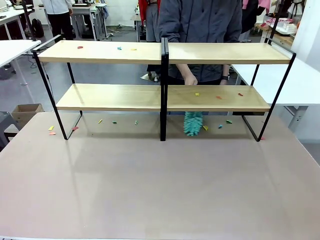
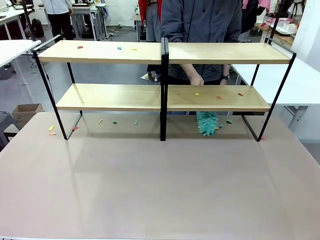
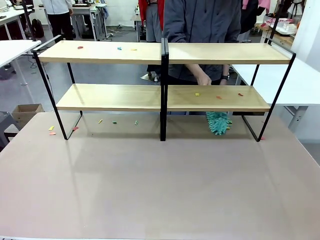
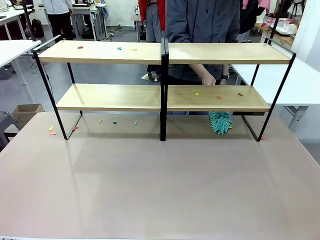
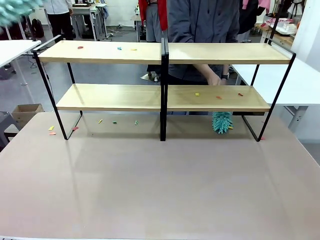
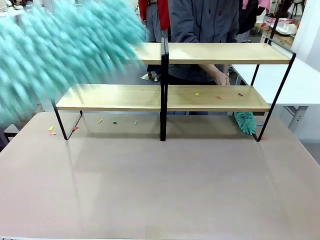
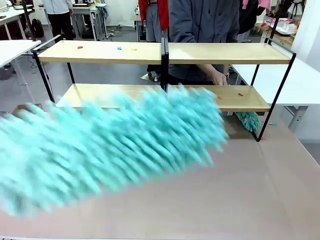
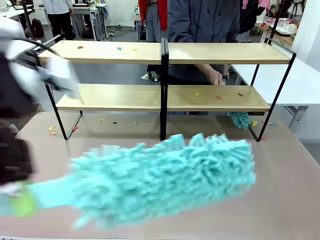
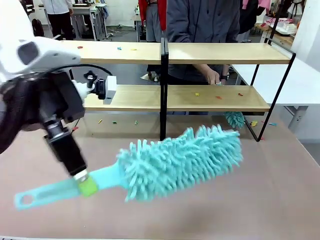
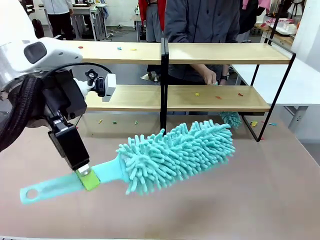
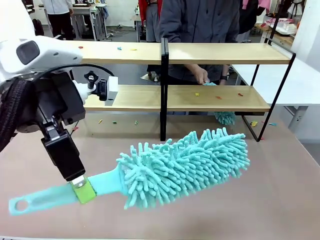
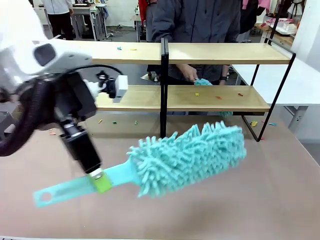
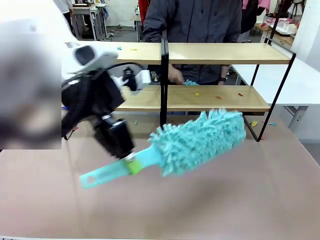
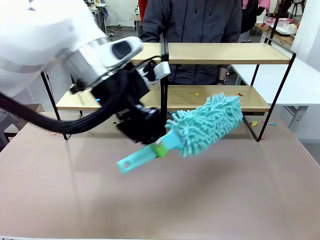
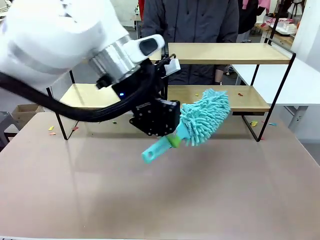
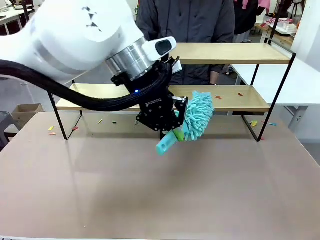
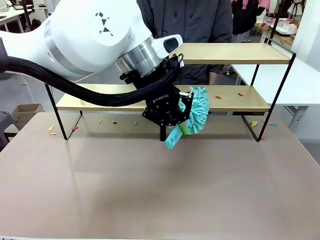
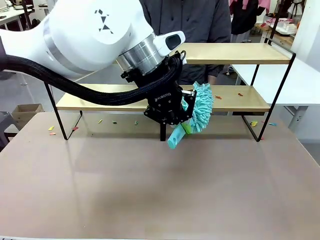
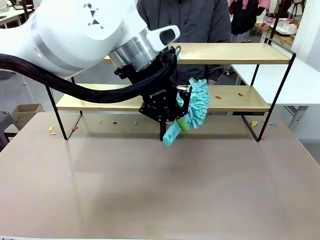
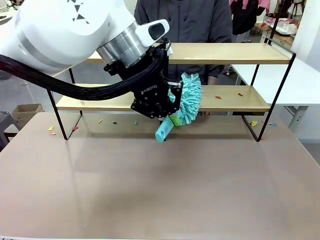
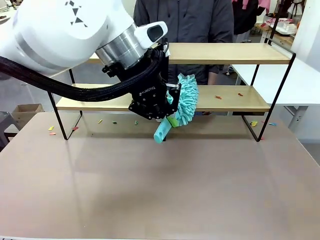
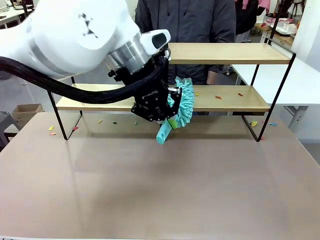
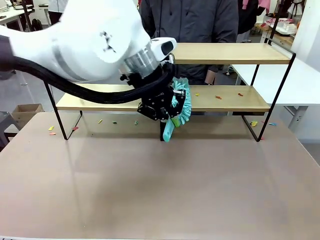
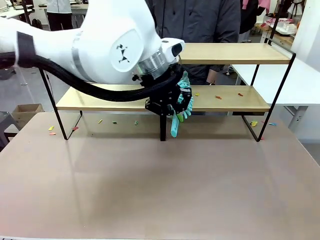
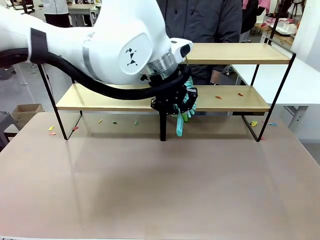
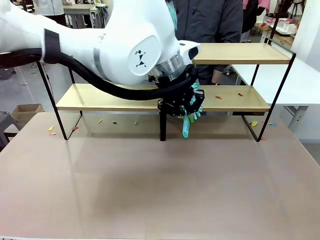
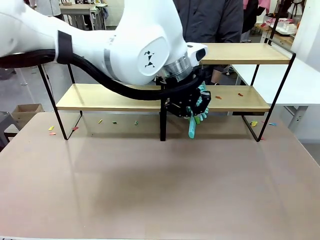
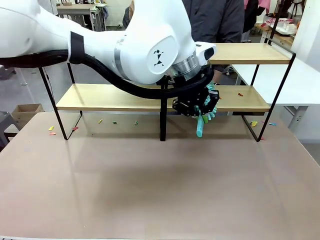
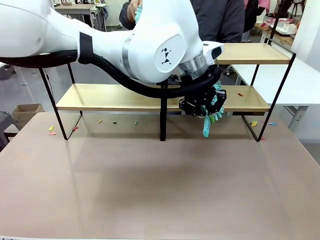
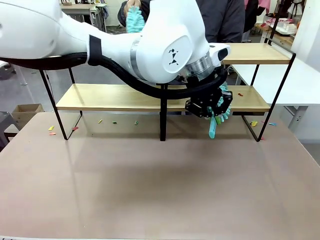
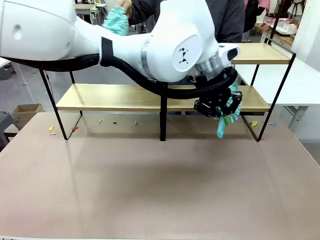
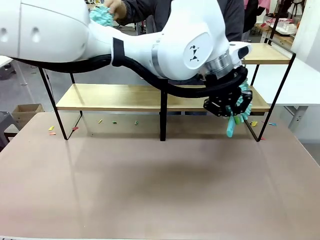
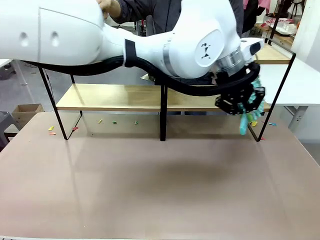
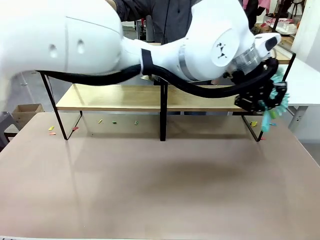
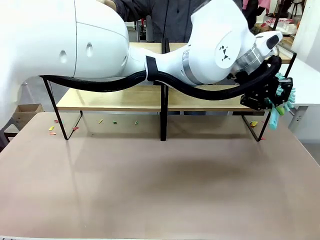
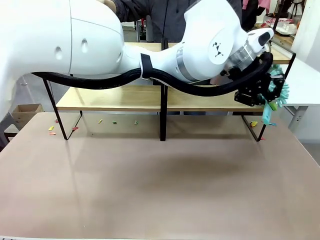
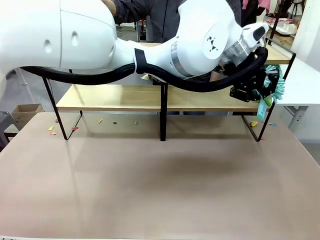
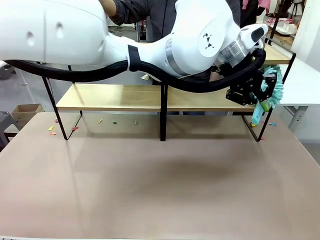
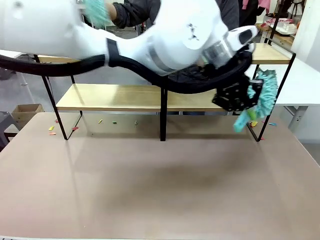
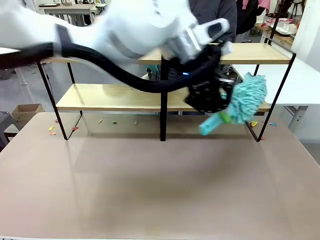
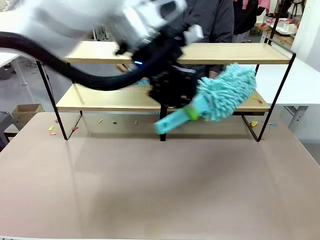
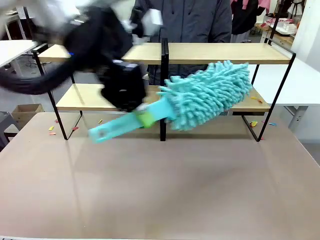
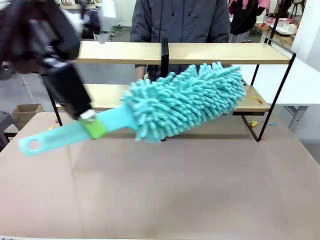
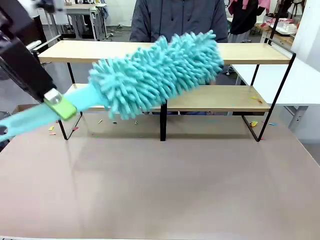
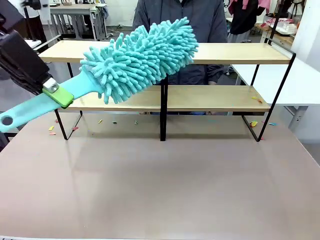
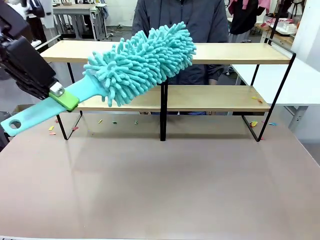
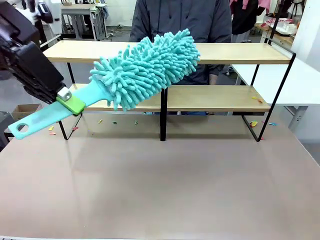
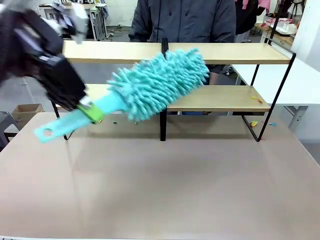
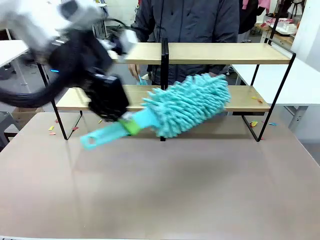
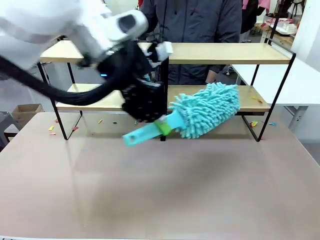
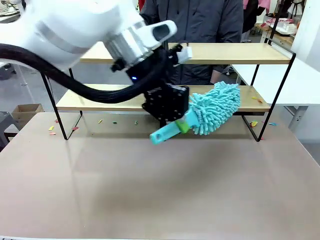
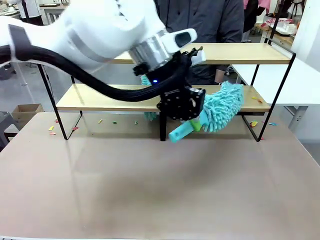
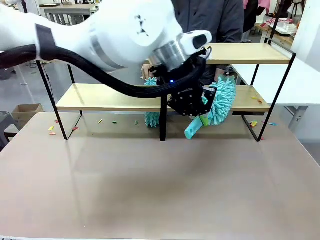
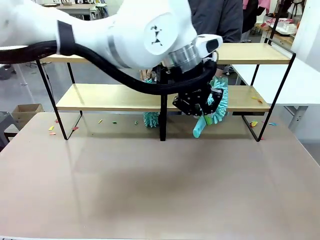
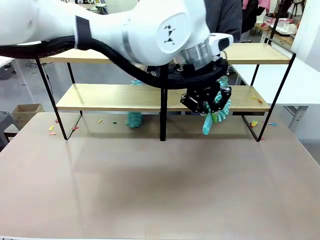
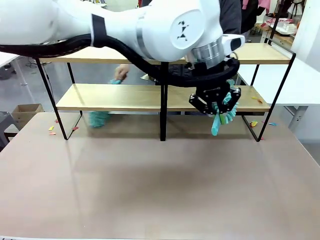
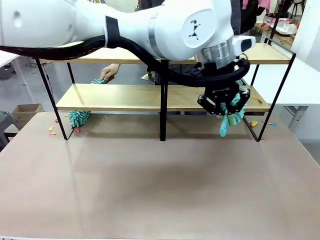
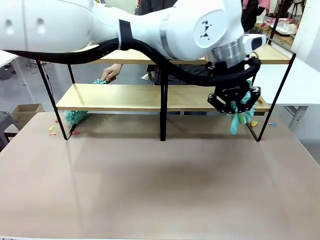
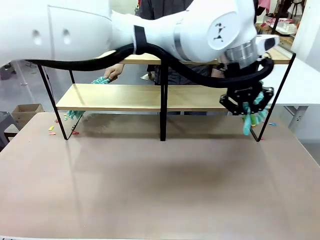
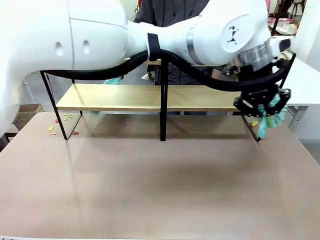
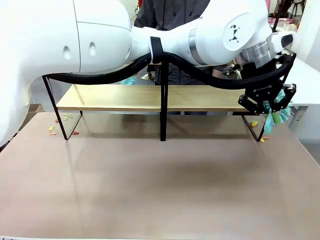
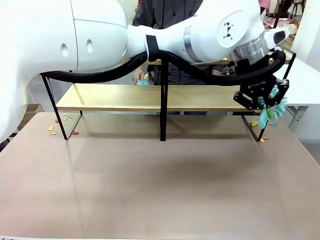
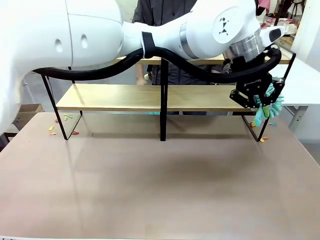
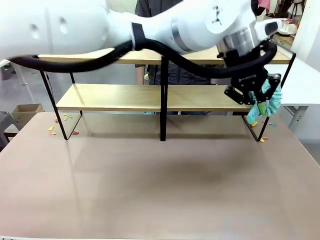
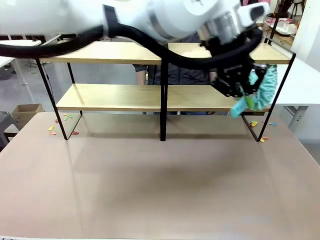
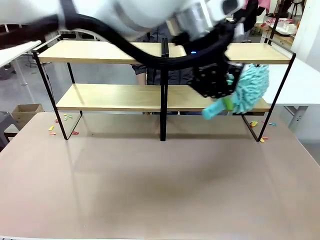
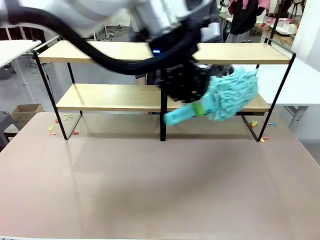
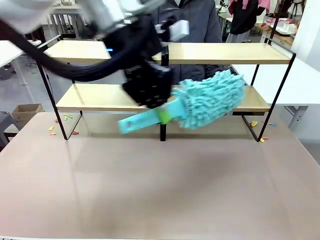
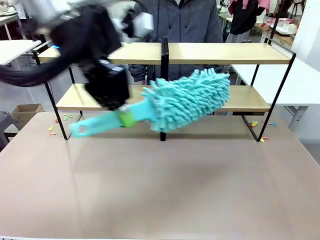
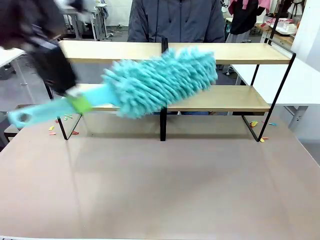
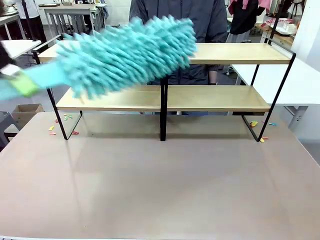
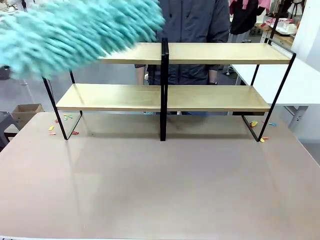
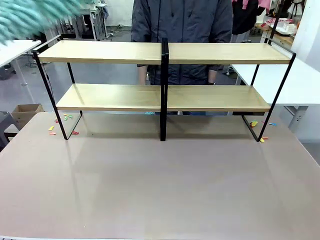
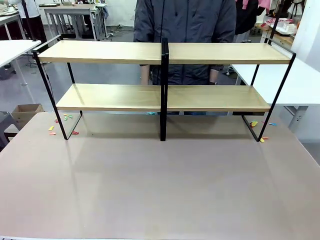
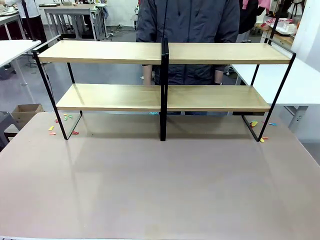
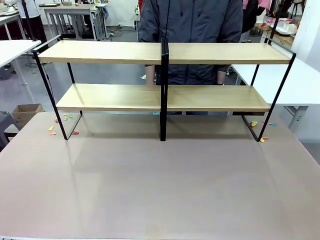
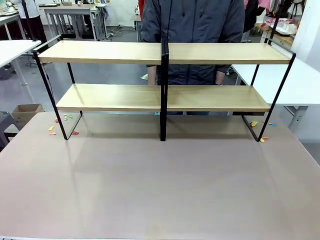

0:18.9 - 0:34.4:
Task: Clean the shelves.
Robot: Clean another randomly selected level of the Shelf with the Duster.
Person: Clean a randomly selected level of the Shelf with the Duster.

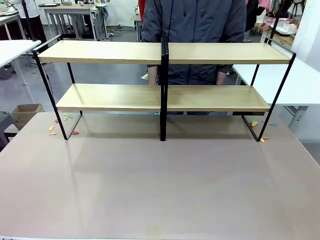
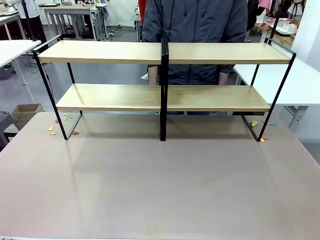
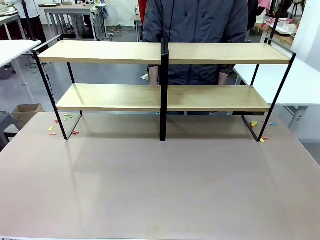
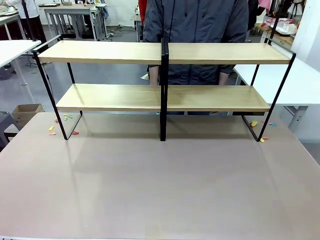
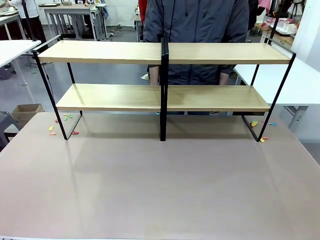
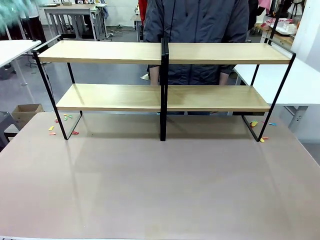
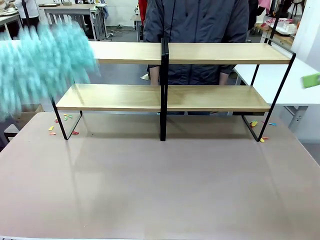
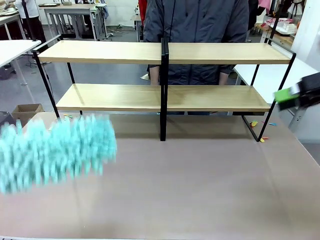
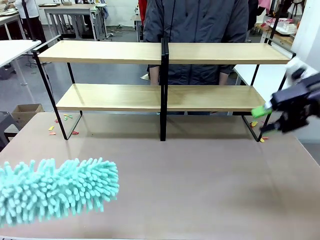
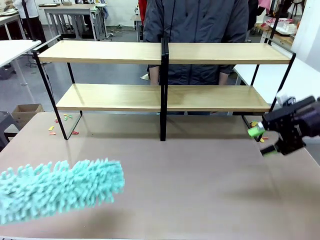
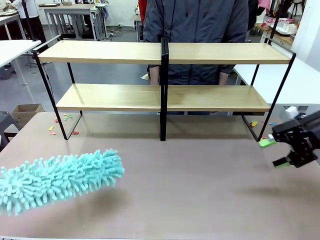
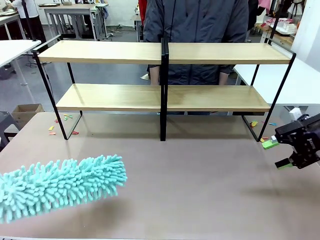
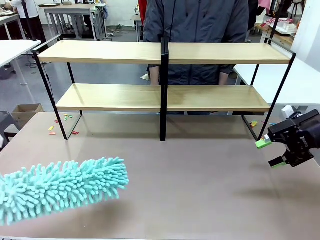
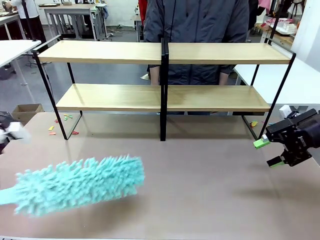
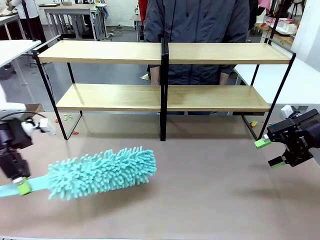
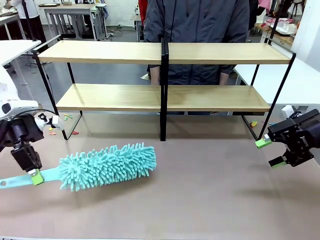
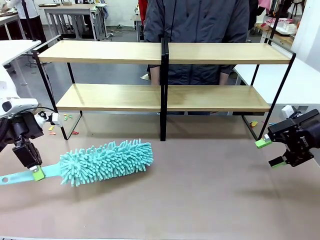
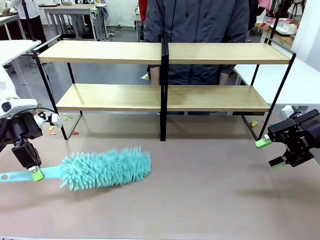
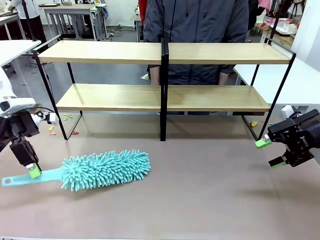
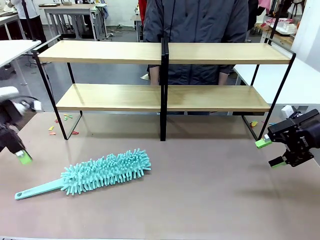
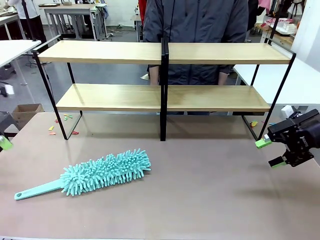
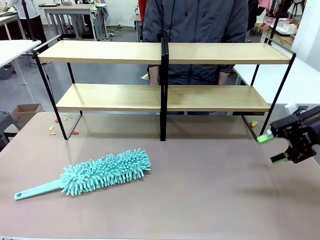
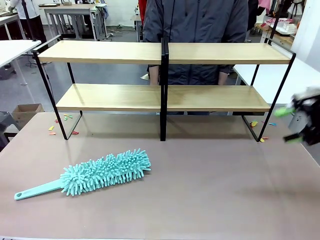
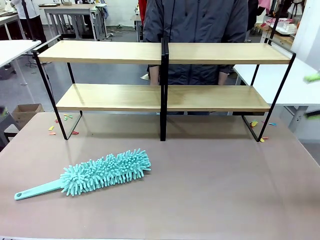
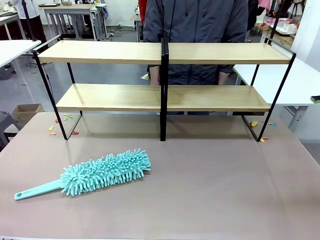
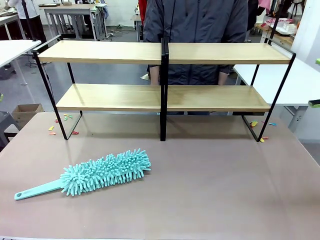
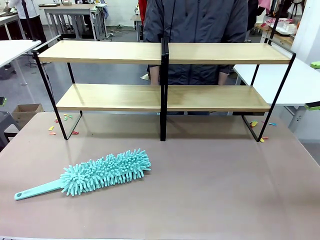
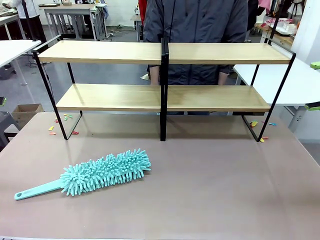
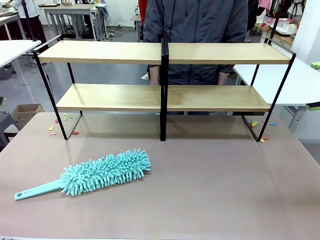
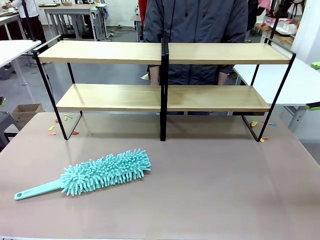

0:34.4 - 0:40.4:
Robot: Place the Duster on the table.
